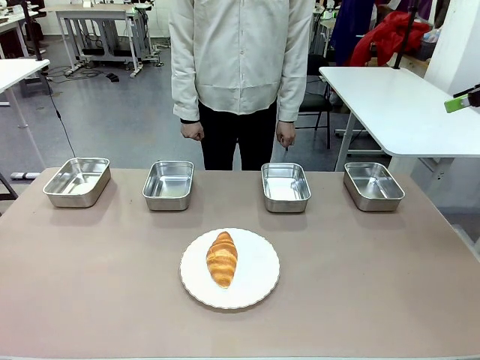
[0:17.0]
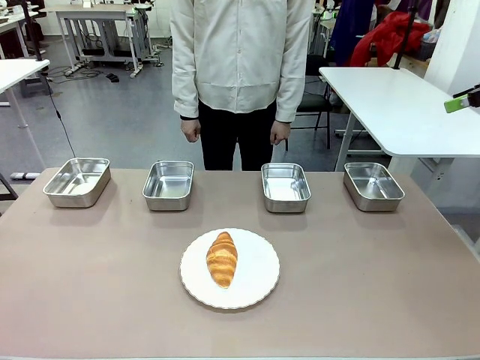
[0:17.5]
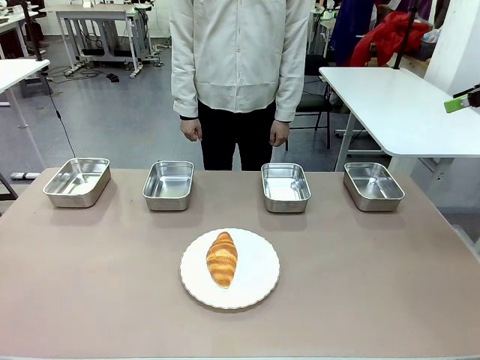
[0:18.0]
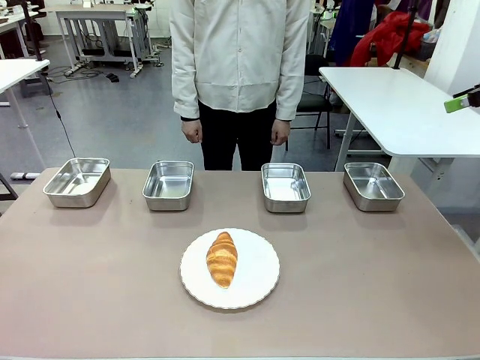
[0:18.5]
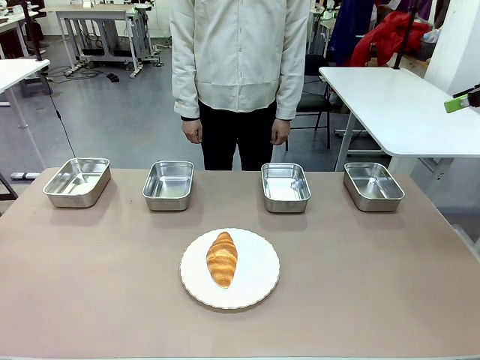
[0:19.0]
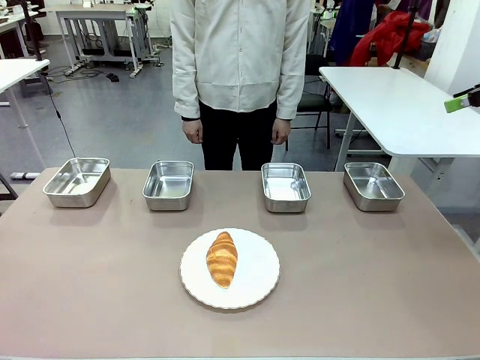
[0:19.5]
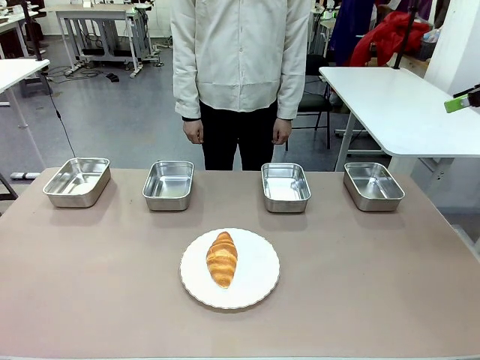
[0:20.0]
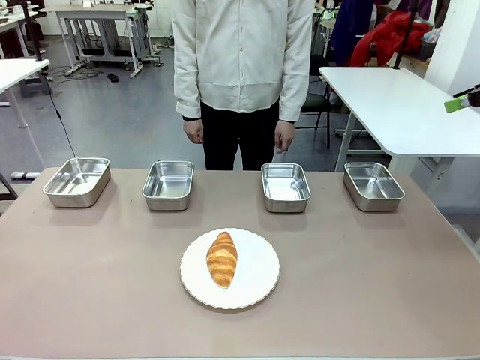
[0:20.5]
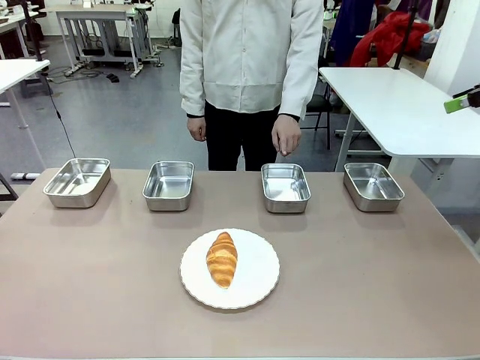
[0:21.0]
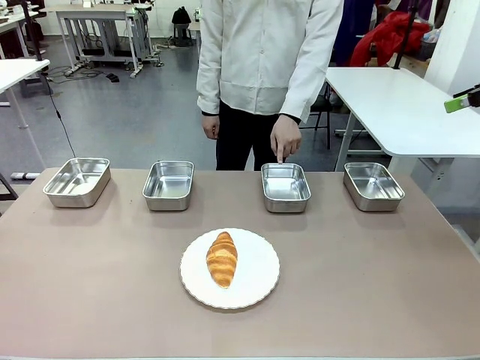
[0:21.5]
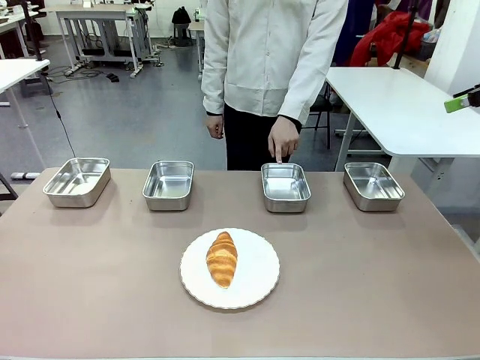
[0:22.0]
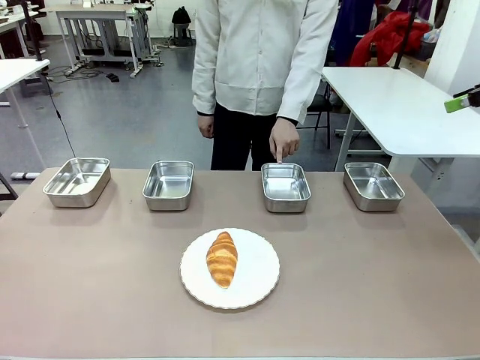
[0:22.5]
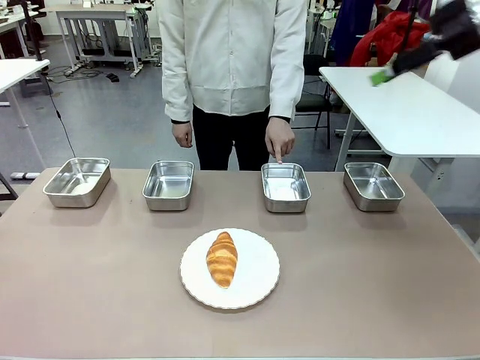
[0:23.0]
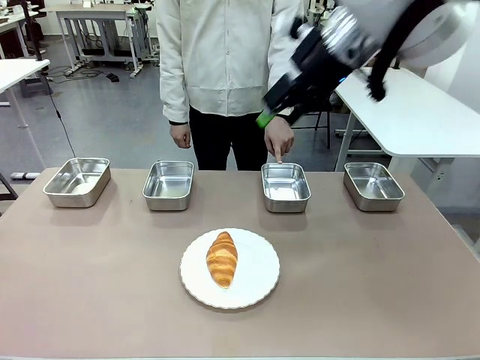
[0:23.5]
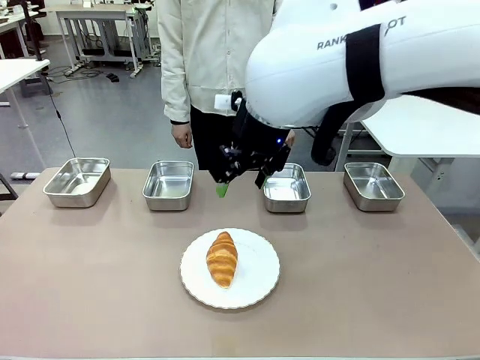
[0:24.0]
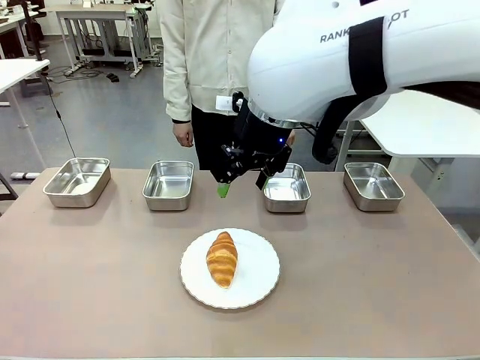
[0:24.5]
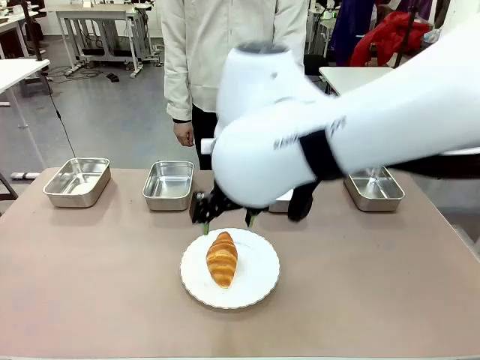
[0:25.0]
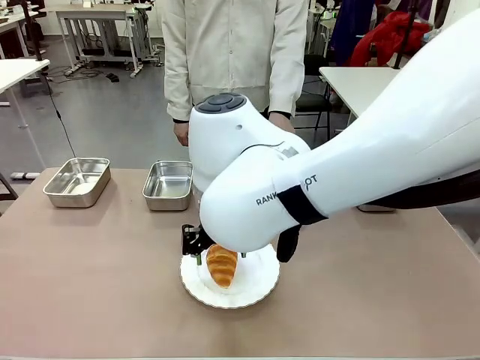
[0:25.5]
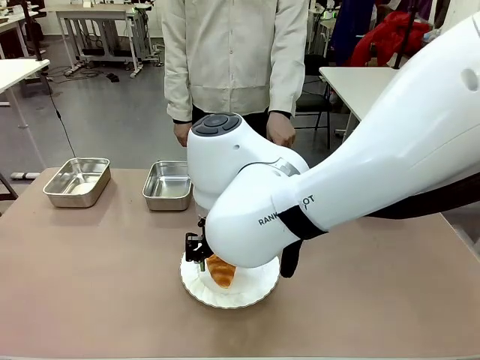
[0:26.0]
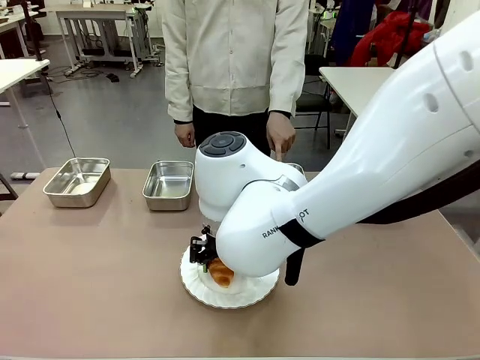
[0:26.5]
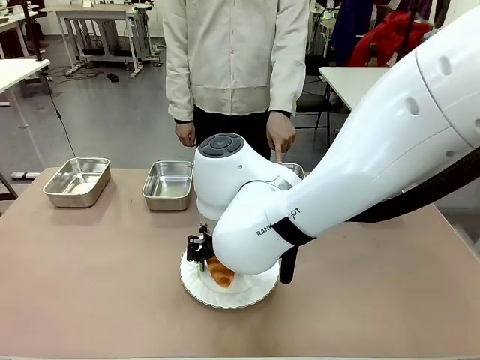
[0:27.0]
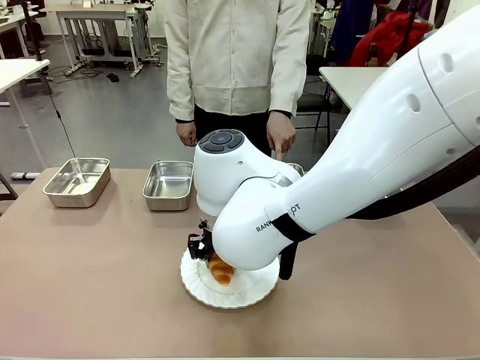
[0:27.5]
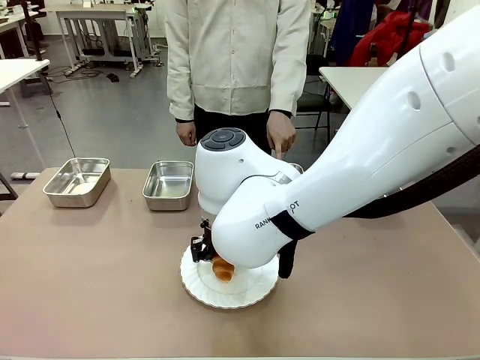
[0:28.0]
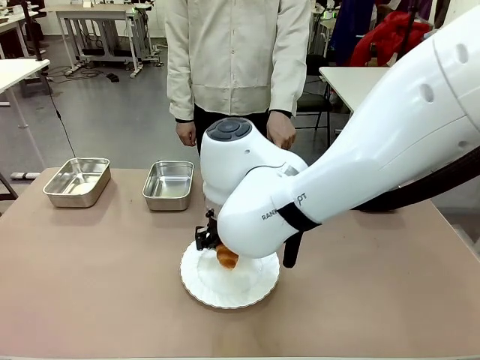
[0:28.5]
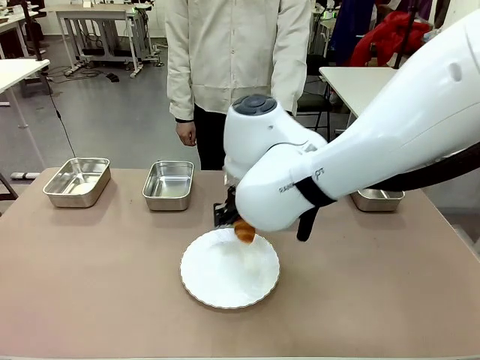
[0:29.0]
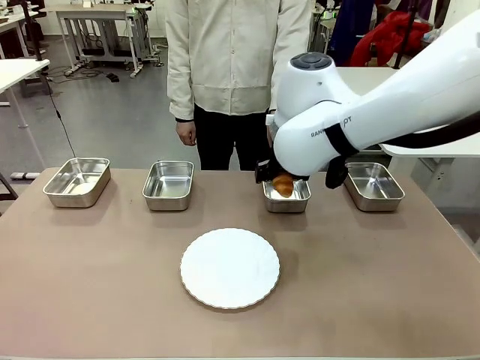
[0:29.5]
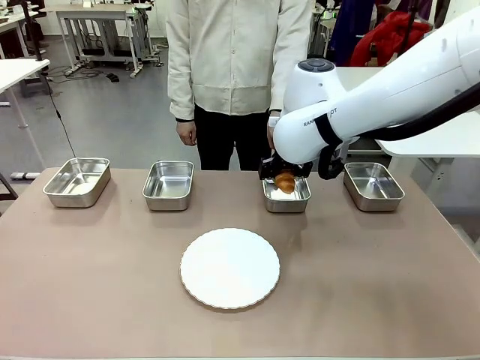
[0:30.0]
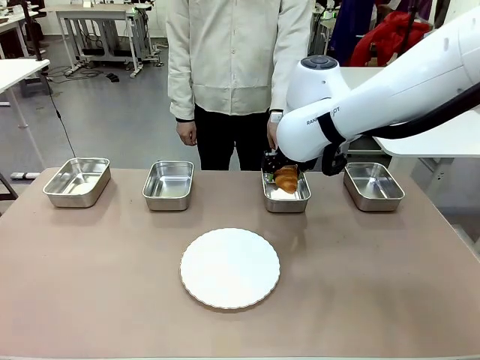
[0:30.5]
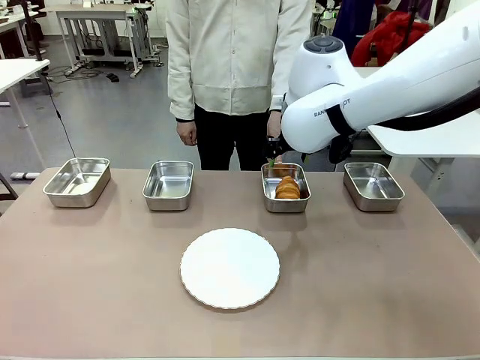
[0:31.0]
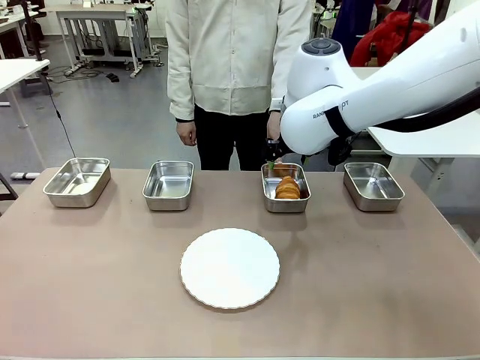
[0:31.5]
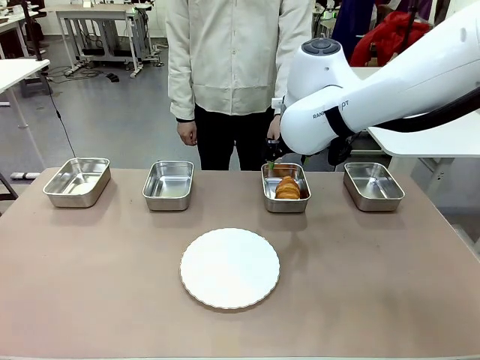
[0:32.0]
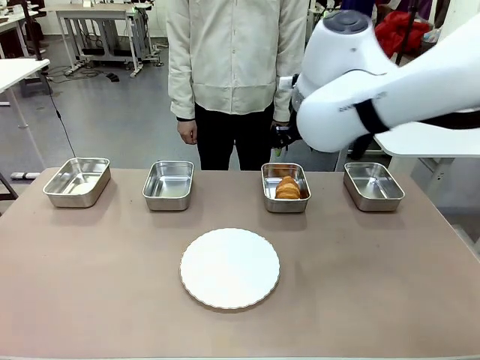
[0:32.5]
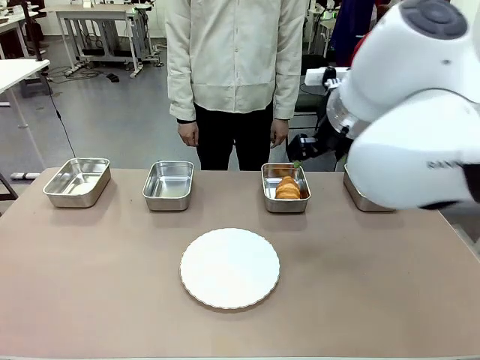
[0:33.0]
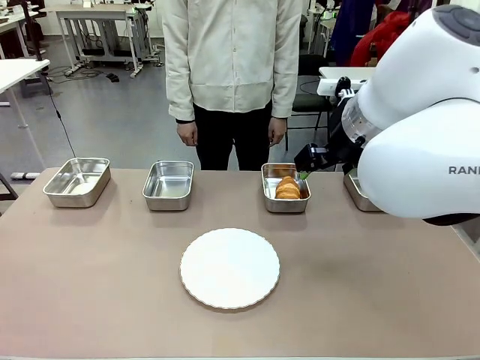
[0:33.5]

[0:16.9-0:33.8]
Task: Place the bread in the container.
Robot: Place the Butter Roll into the Airtight Container indicated by the human.

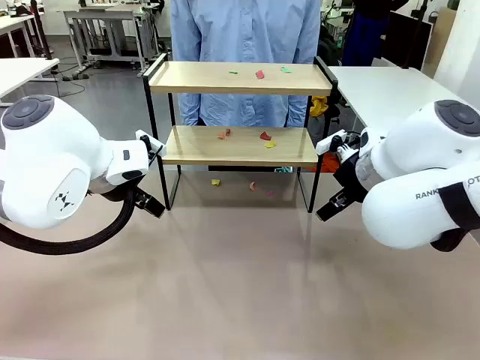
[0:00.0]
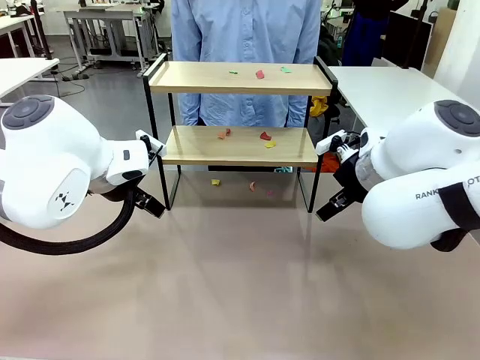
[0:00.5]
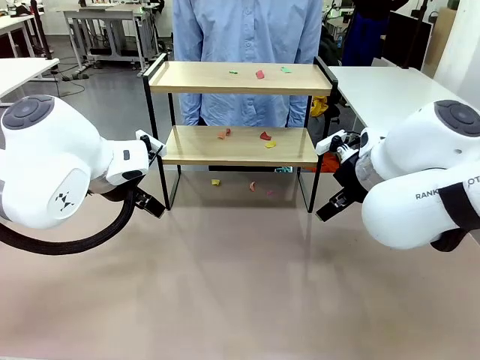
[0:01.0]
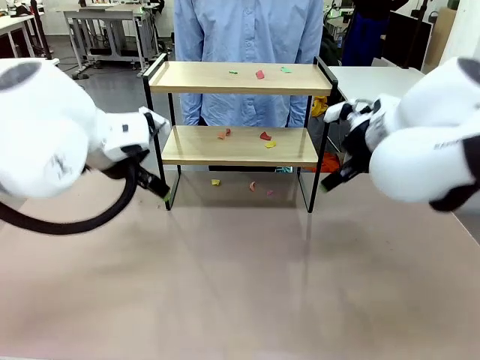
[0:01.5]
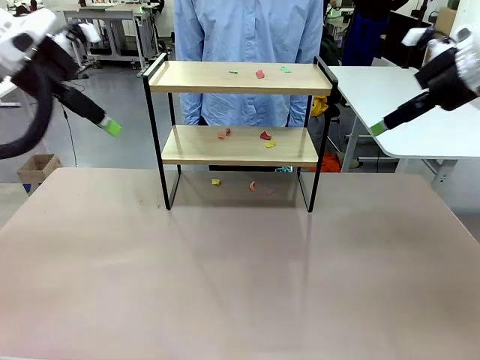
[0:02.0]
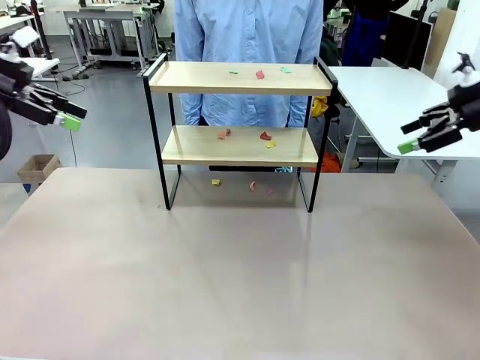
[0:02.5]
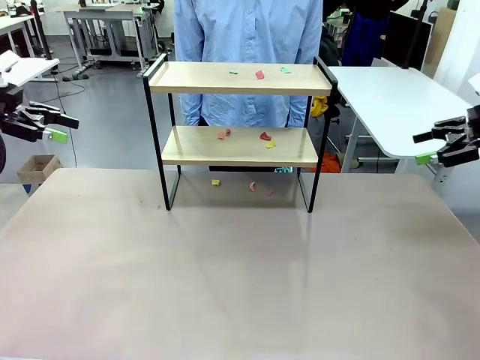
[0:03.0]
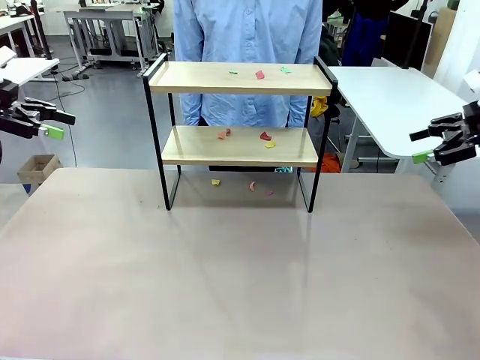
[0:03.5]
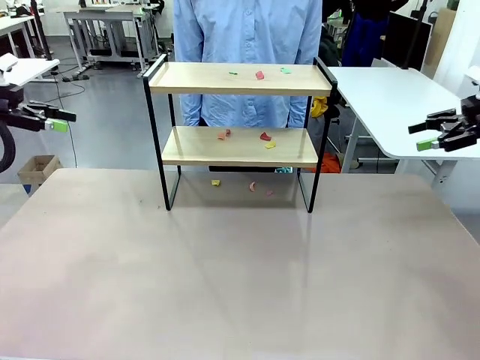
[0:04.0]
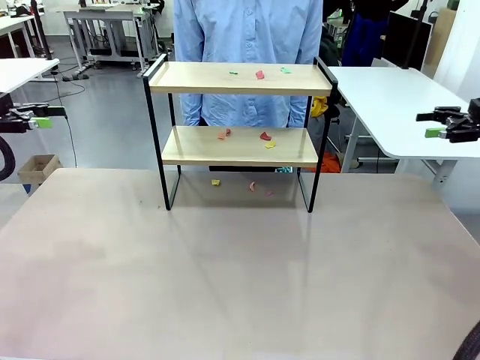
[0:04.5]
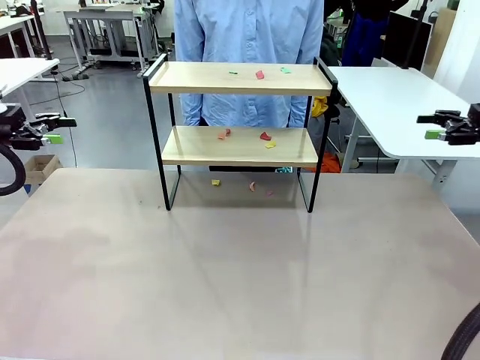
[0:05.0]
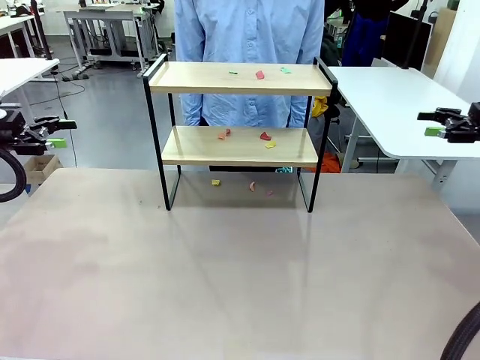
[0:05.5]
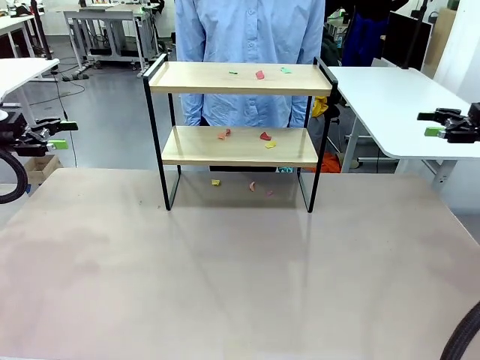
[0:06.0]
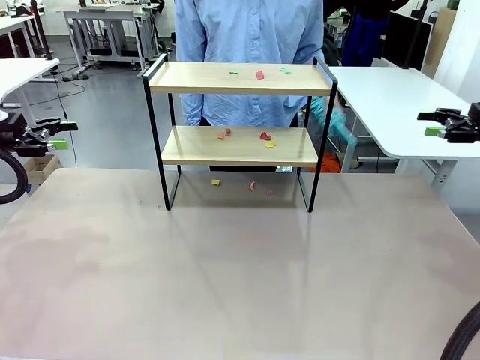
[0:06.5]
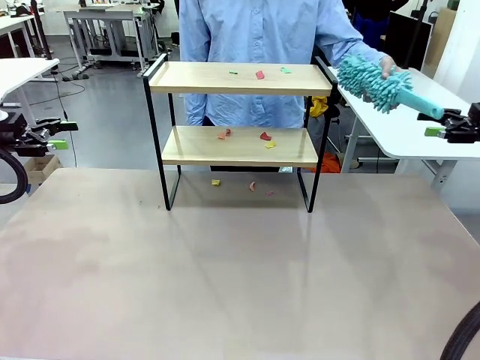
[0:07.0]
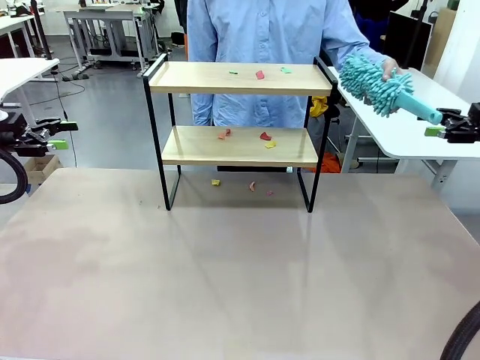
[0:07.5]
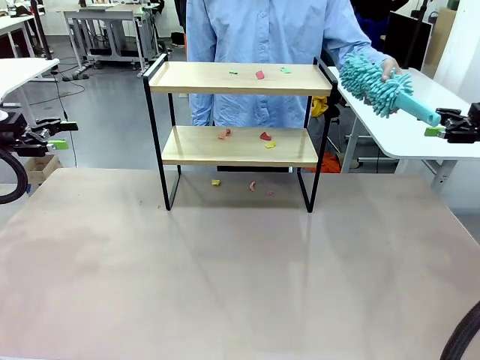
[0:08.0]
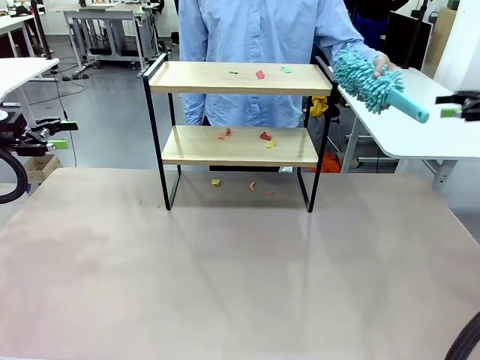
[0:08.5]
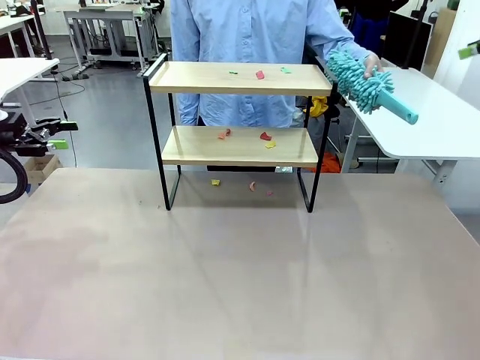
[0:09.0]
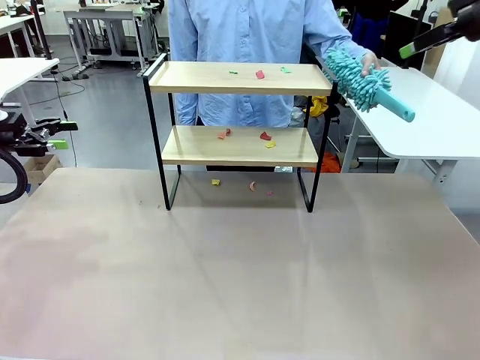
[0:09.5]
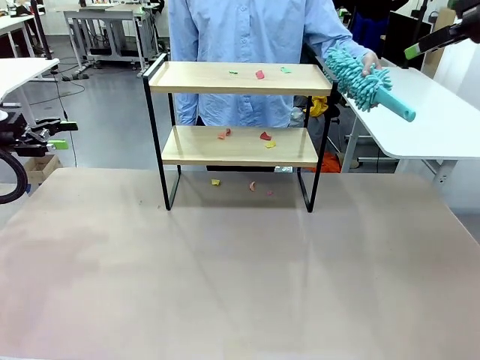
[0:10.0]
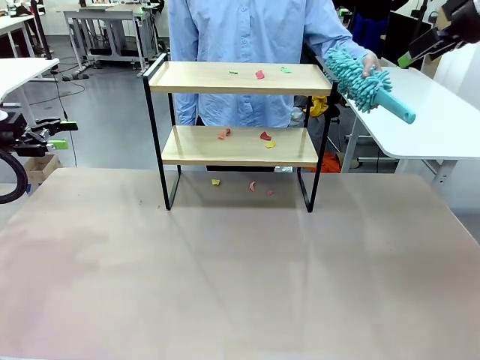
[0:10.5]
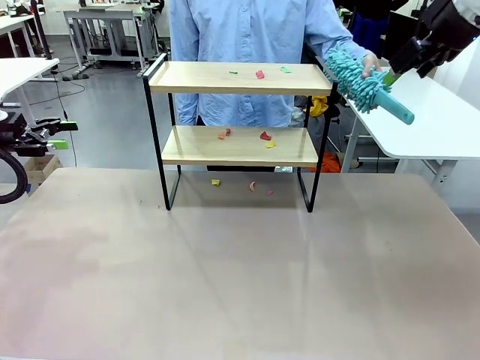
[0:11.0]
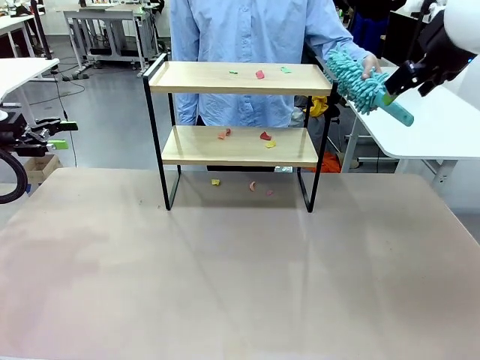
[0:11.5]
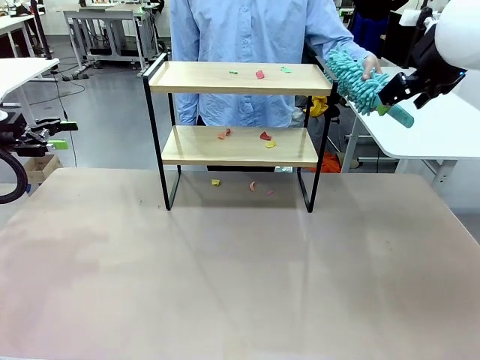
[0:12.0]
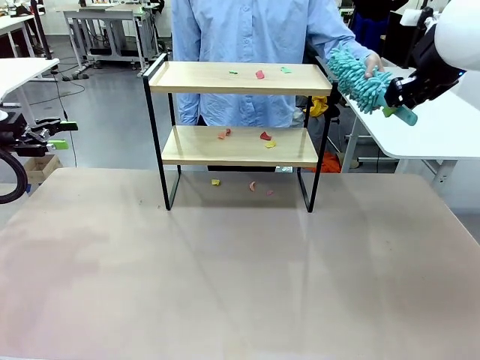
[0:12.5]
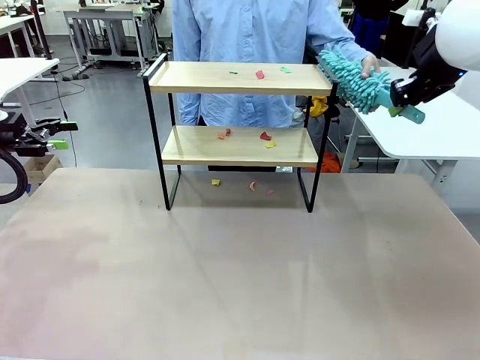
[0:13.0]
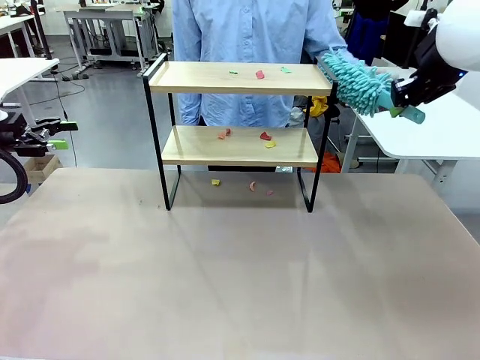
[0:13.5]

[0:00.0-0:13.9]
Task: Clean the shelf.
Robot: Pick up the Duster handed by the human.
Person: Hand the Duster to the robot.
